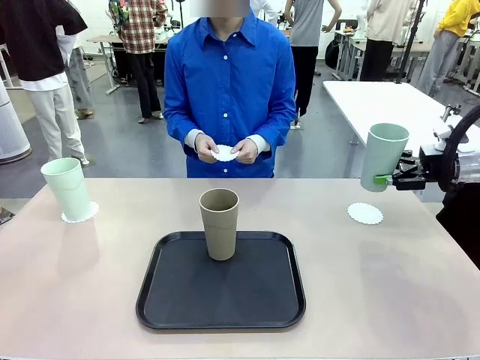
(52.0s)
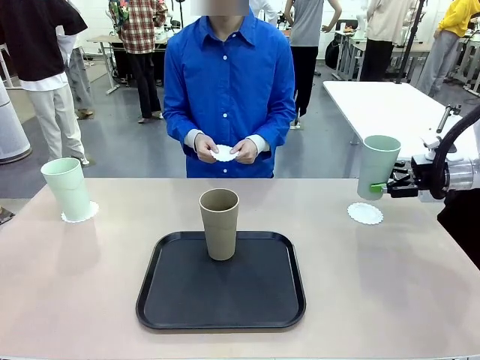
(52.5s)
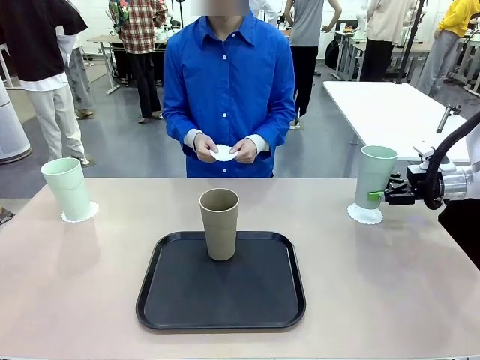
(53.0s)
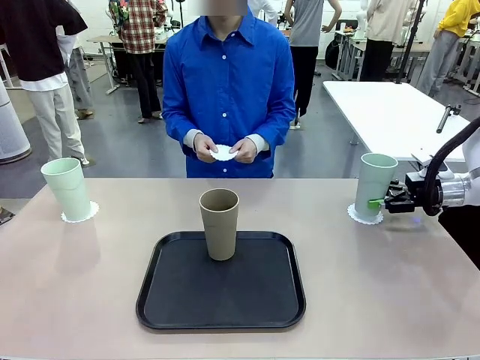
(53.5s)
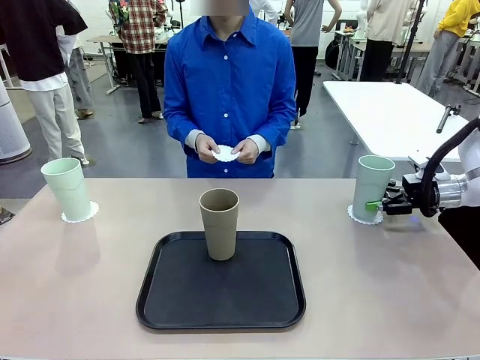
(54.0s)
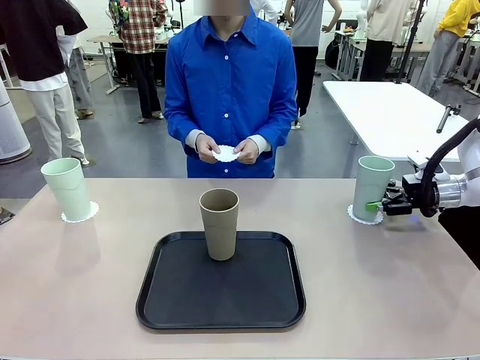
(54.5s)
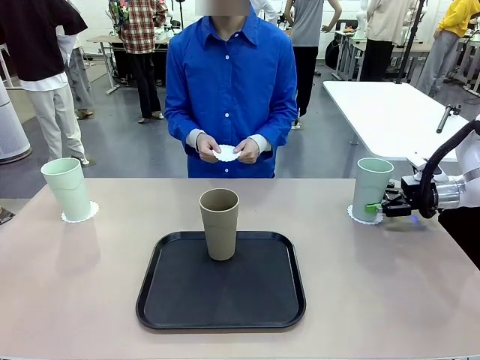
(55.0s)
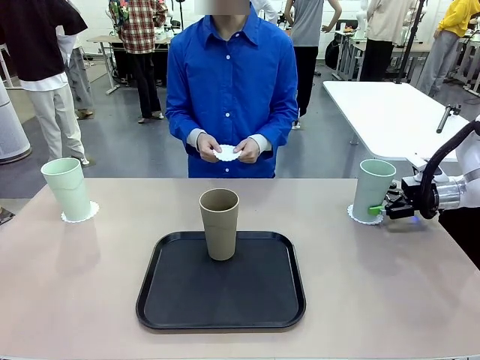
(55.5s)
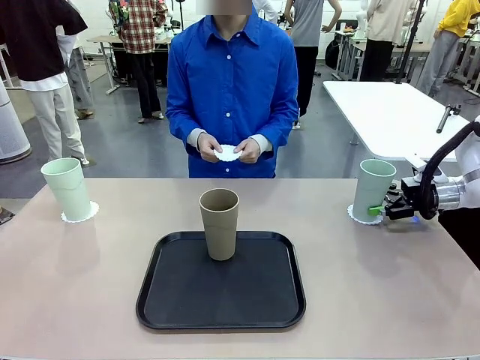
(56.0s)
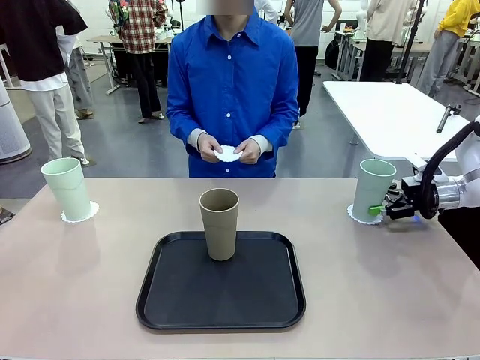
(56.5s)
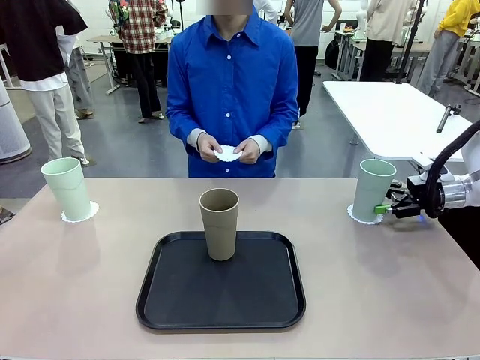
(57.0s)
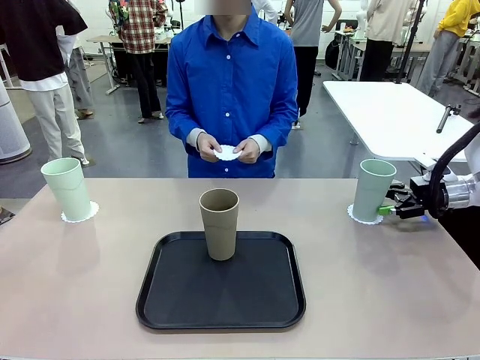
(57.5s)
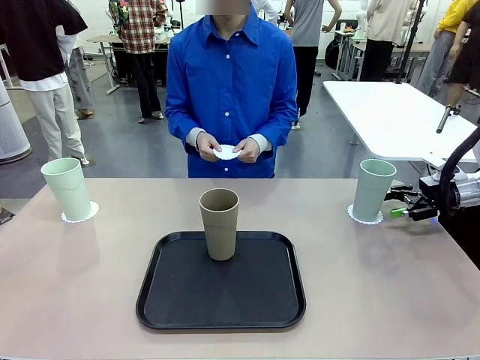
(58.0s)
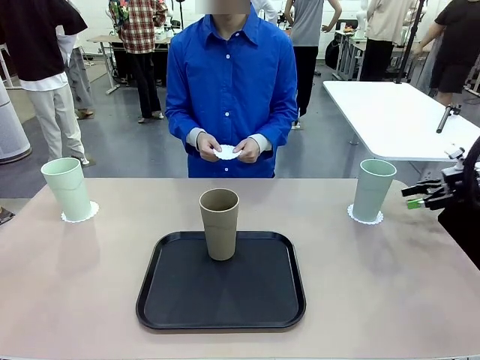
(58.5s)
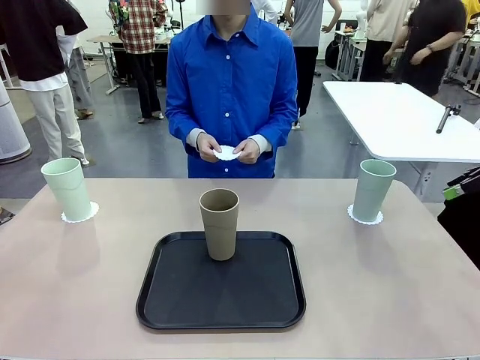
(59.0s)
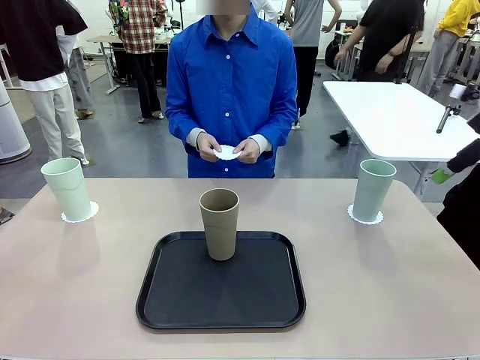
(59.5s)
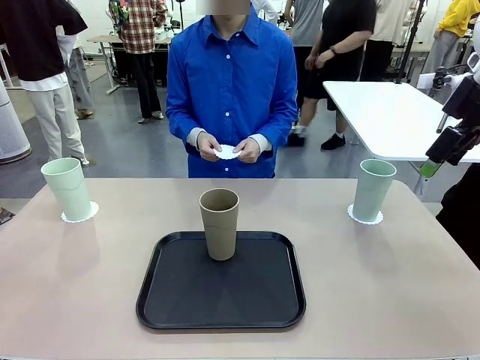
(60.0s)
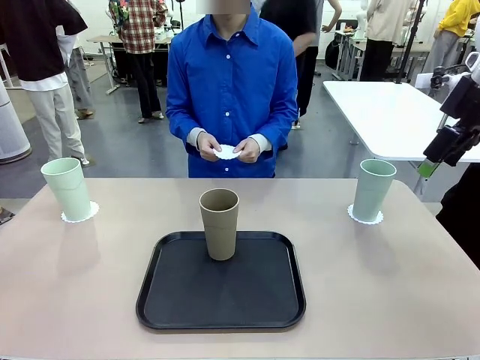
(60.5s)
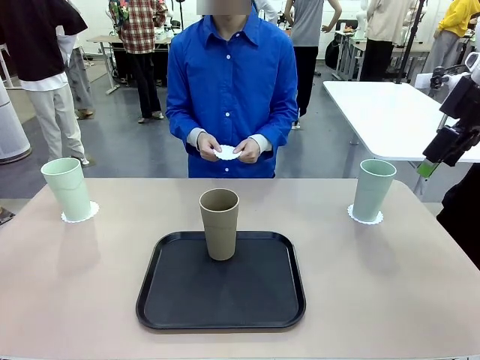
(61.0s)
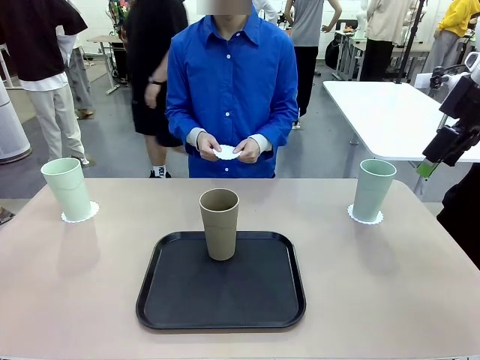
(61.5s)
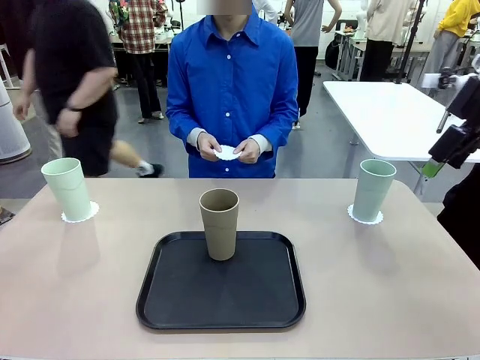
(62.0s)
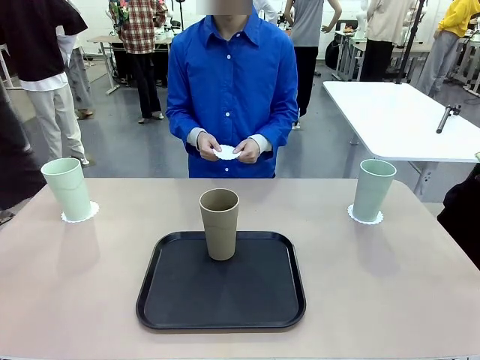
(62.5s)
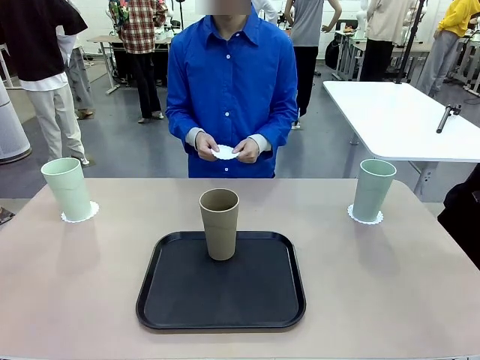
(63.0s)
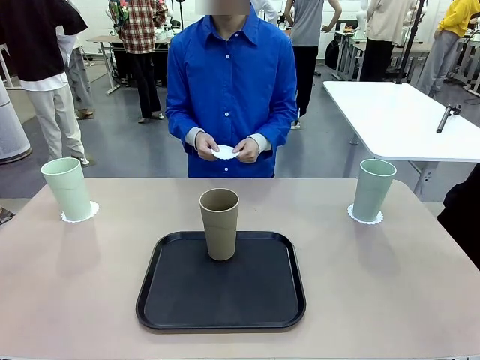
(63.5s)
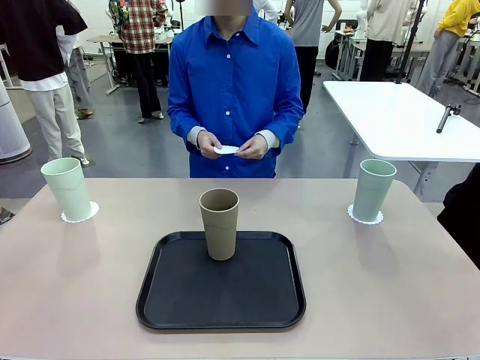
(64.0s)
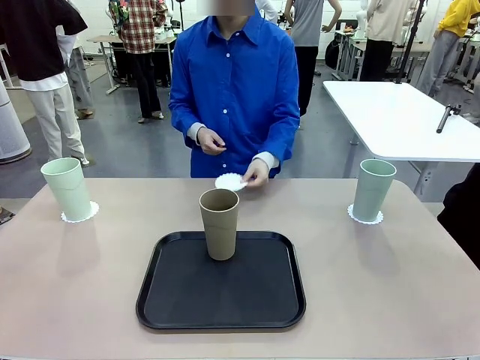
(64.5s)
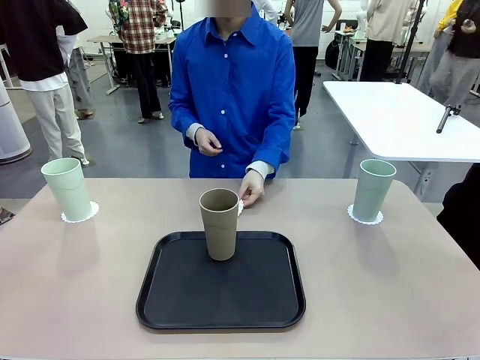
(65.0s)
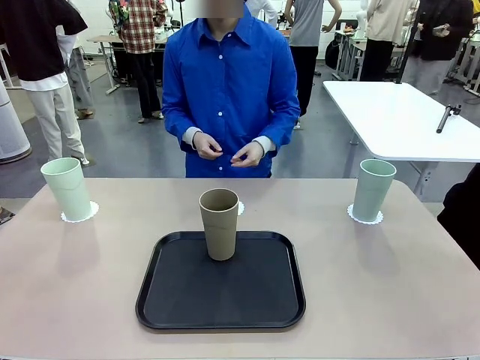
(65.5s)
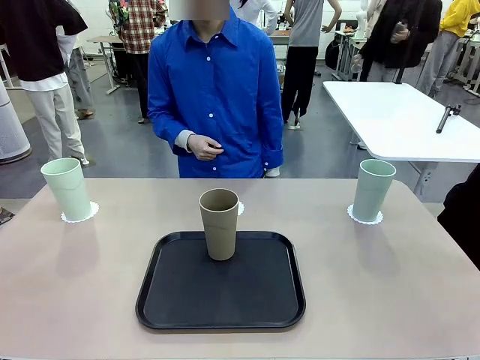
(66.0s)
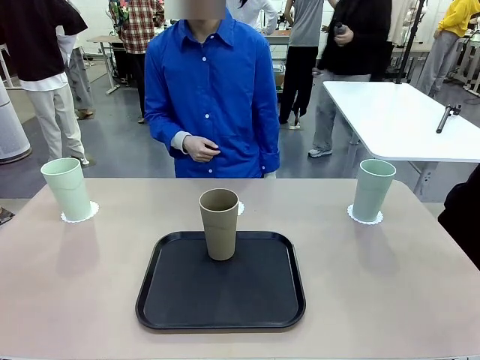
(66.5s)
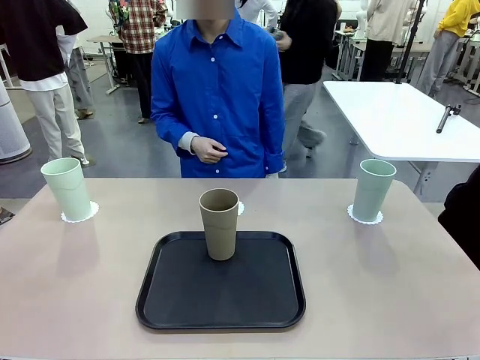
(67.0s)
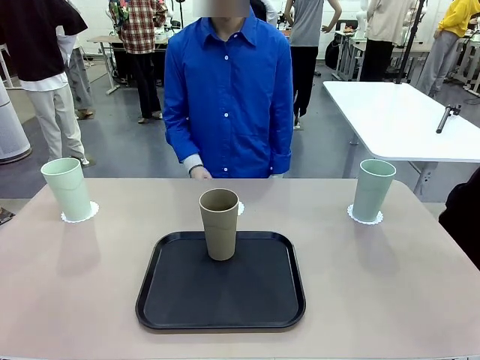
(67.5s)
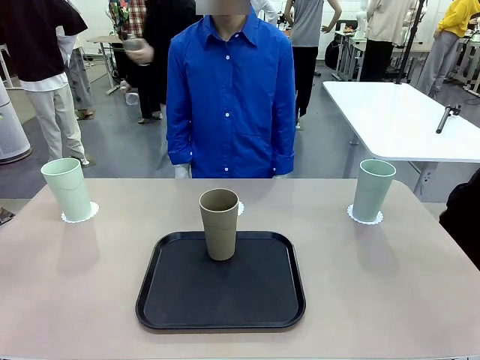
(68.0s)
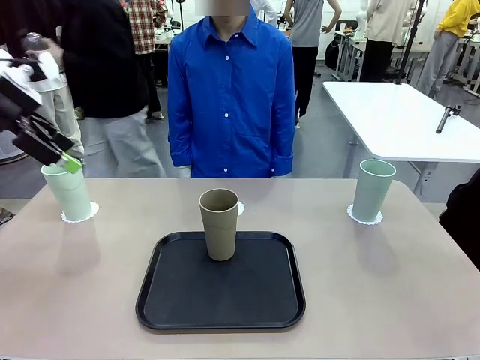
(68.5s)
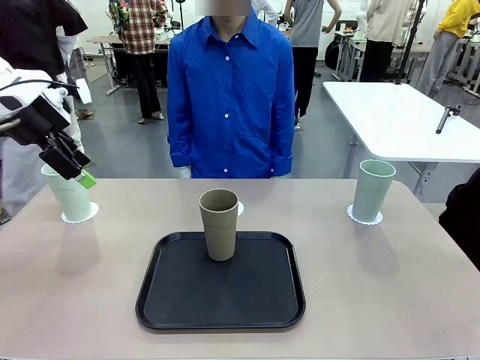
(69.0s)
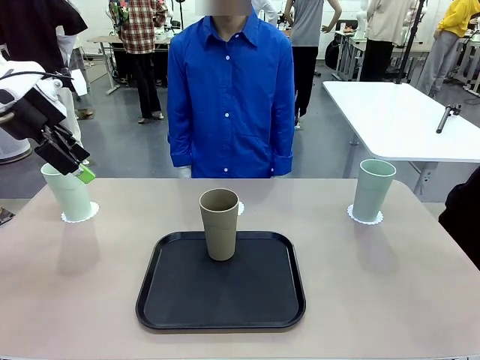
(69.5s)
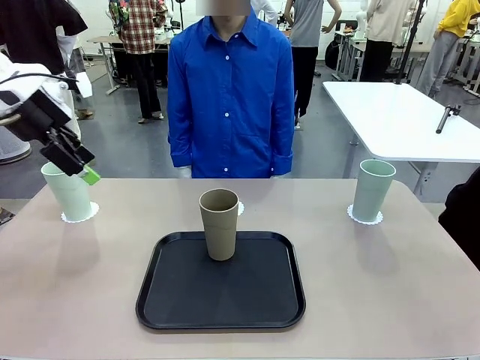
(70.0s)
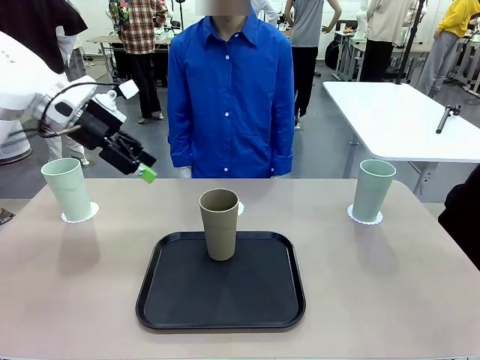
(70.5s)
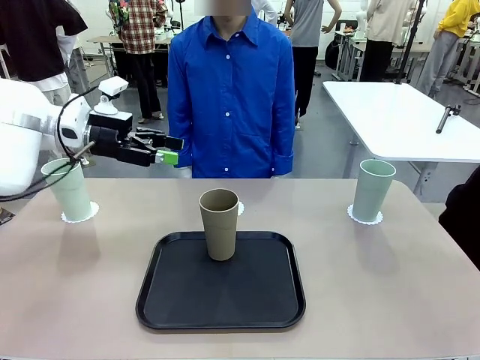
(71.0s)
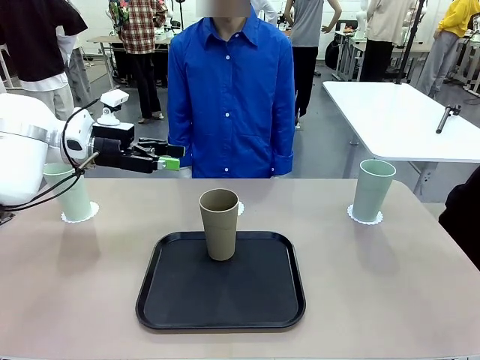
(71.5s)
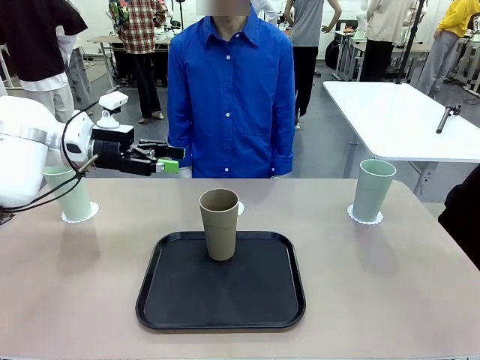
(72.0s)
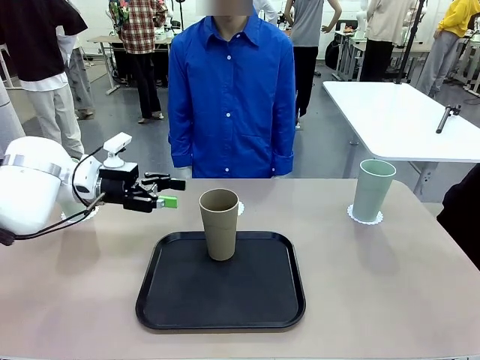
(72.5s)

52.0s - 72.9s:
Task: Place coasters on the table and set cups on them.
Robot: Take one Reusable plastic cup from the Flat Tray and place it on a coaster set by the human.
